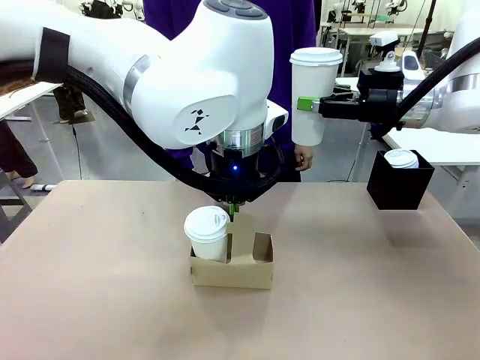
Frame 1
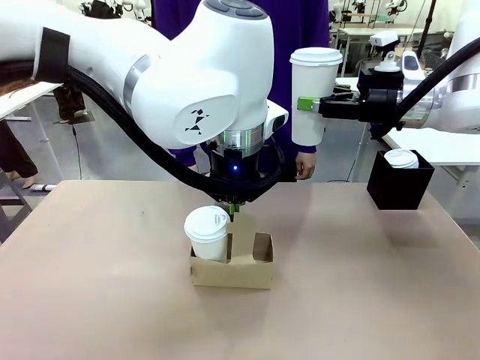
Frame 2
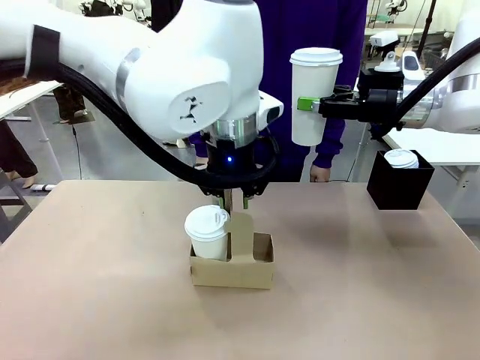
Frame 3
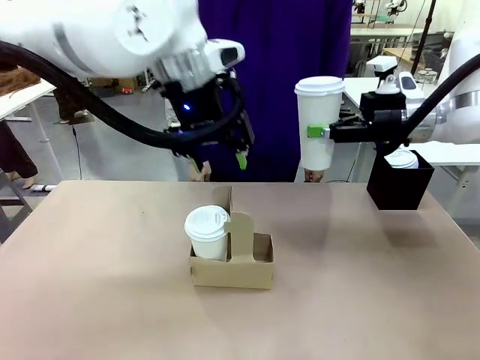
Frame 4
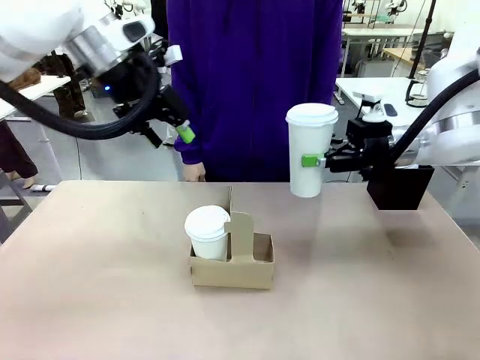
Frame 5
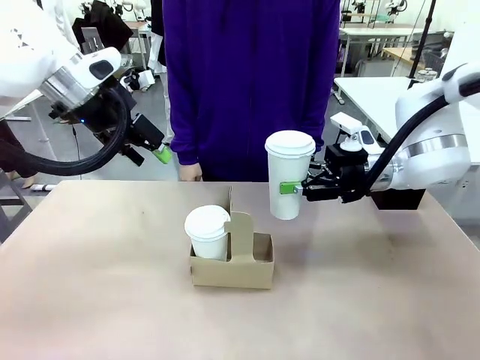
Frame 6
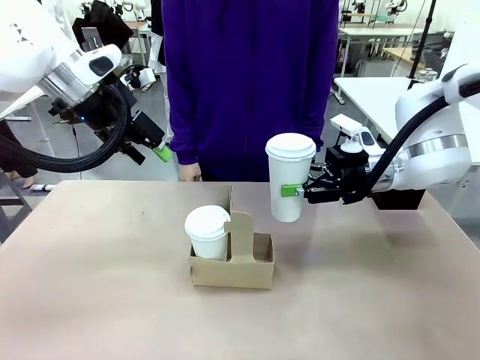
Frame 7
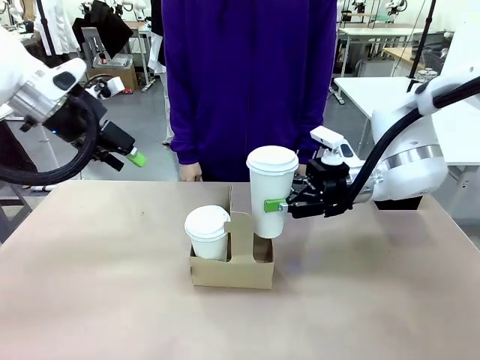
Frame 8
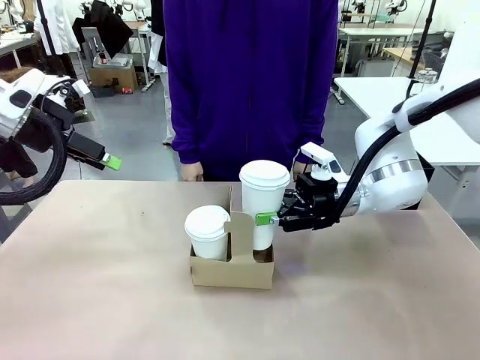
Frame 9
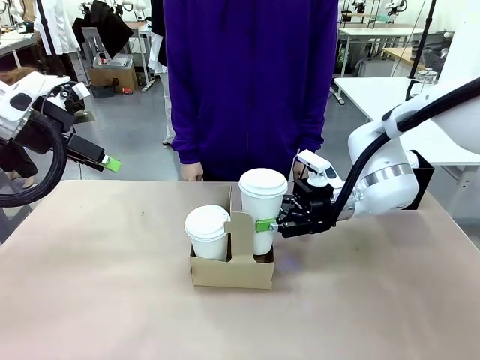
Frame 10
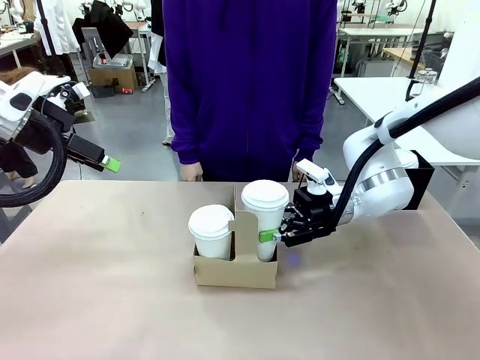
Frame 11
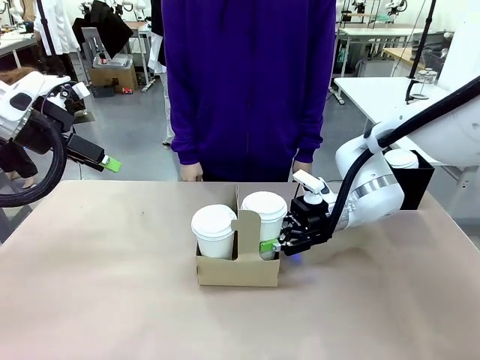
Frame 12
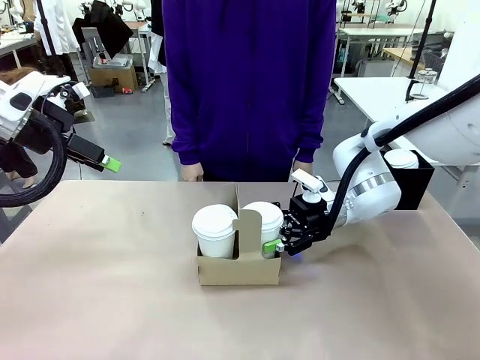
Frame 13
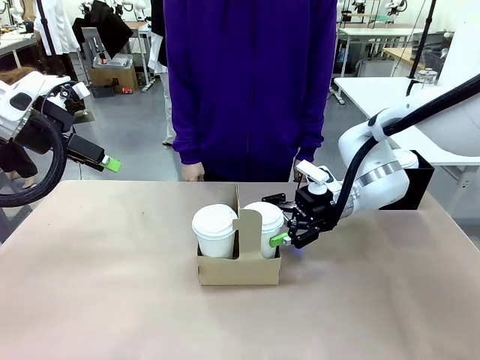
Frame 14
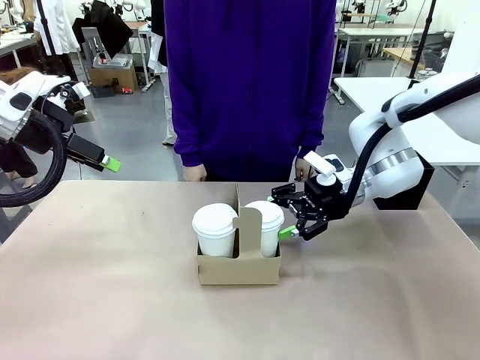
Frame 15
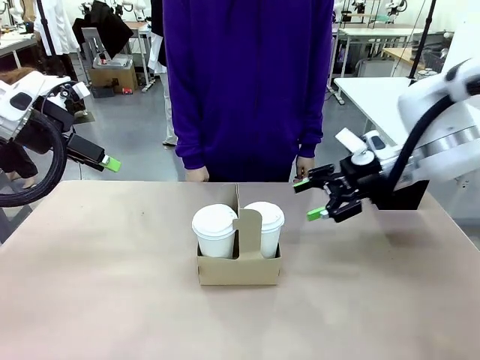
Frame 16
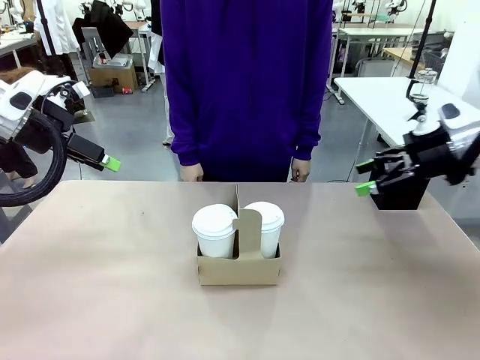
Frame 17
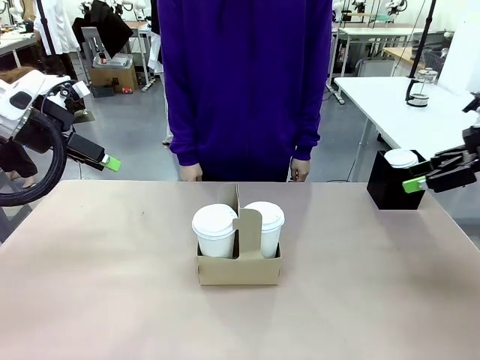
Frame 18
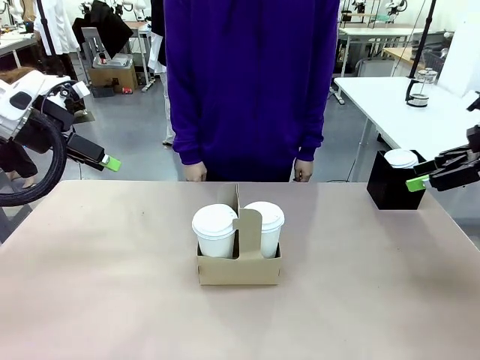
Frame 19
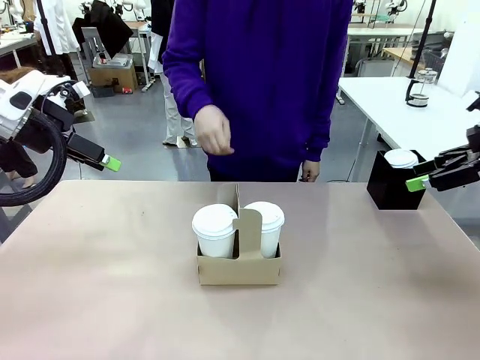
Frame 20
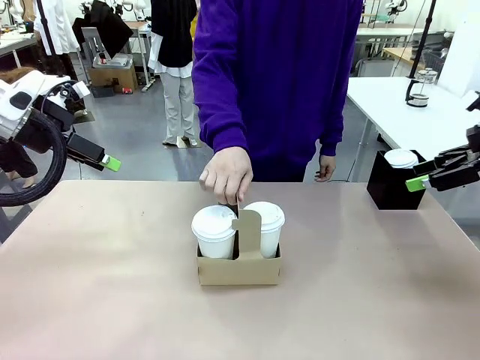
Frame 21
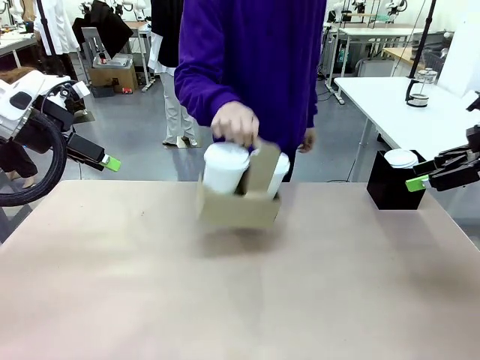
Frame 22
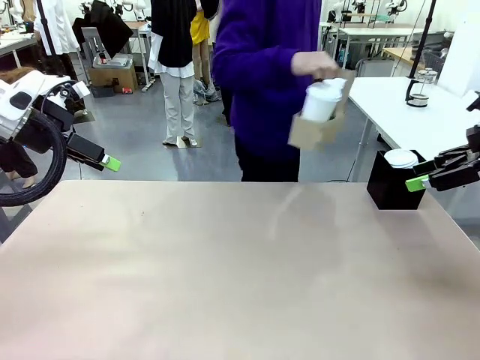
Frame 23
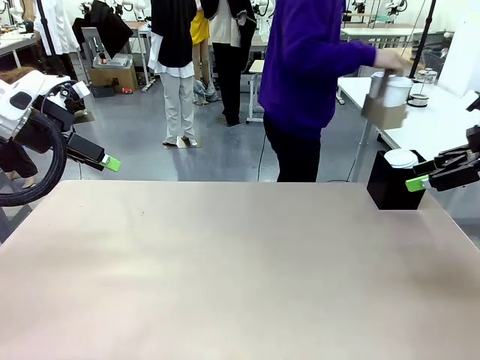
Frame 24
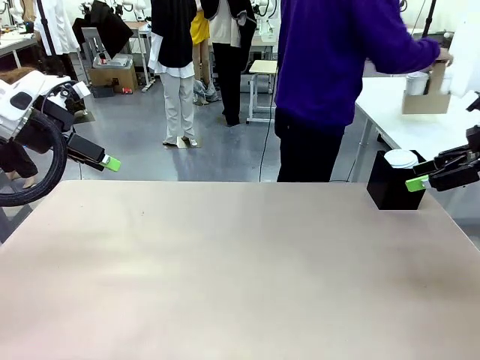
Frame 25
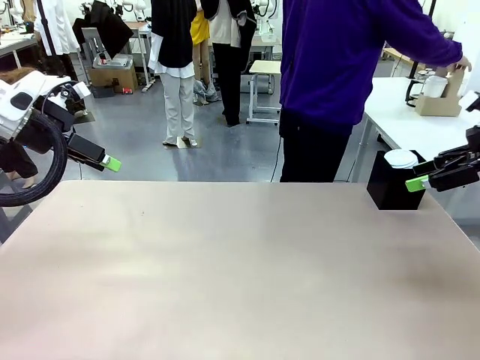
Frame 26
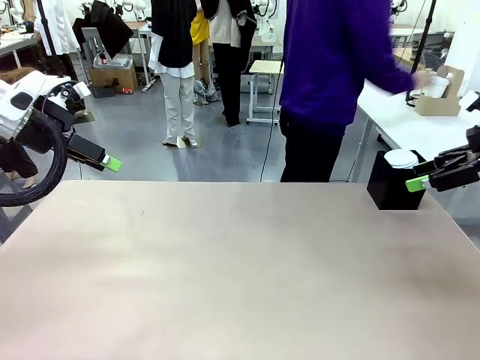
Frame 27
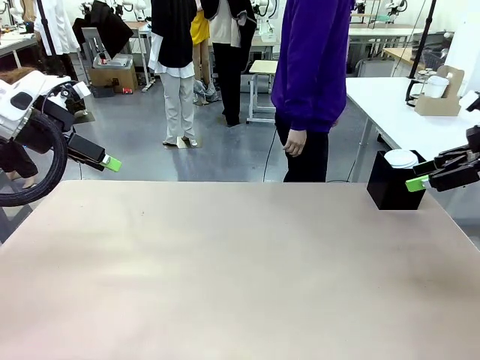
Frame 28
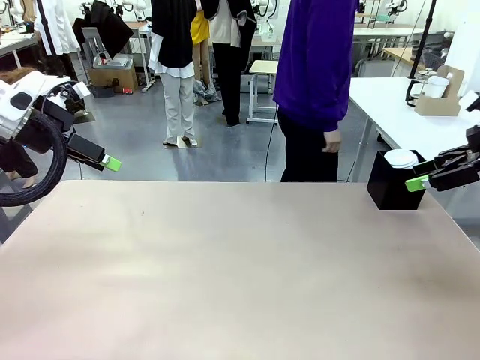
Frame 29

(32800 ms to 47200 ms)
Task: Pour a drink into a cup and package it in a carrier.
Robot: Insert the held 600 ml Paper Cup into the Cup Carrier.
Person: Place the Cup Carrier to the middle of Human table.

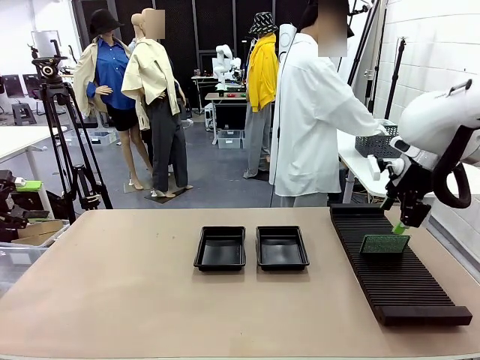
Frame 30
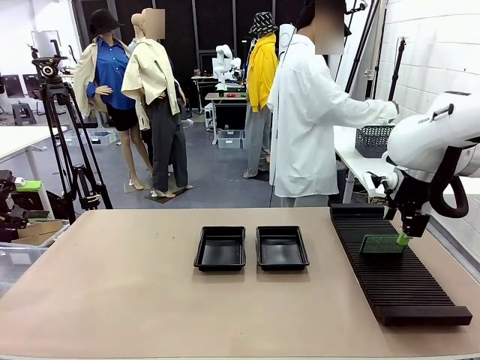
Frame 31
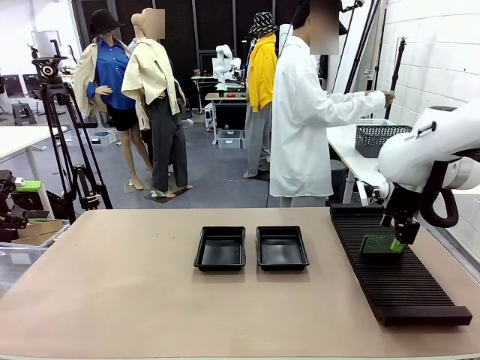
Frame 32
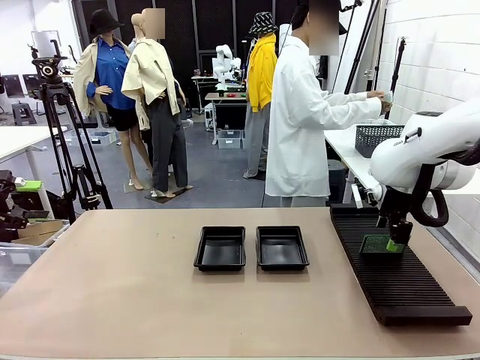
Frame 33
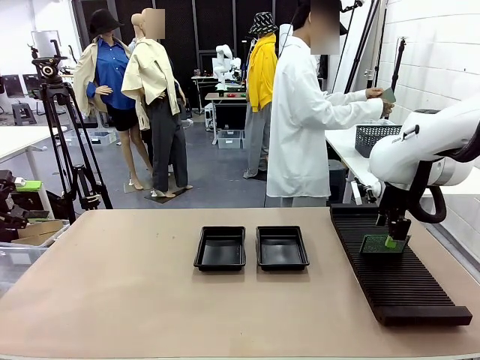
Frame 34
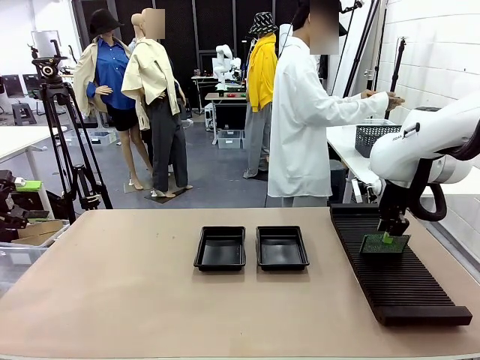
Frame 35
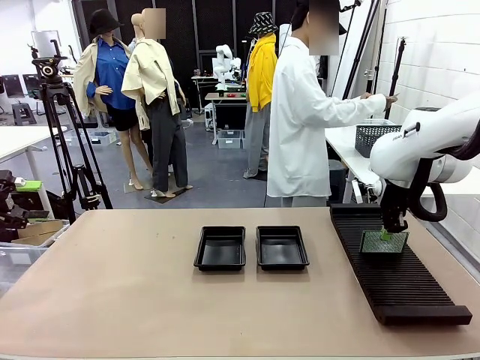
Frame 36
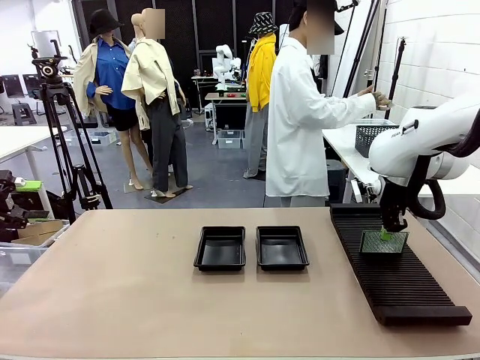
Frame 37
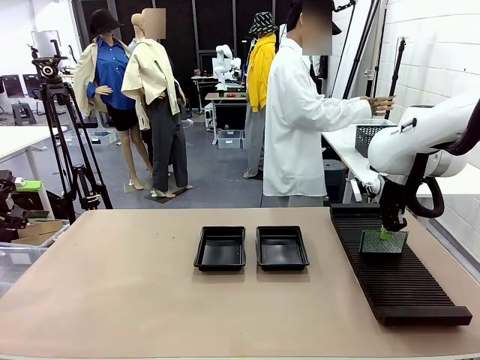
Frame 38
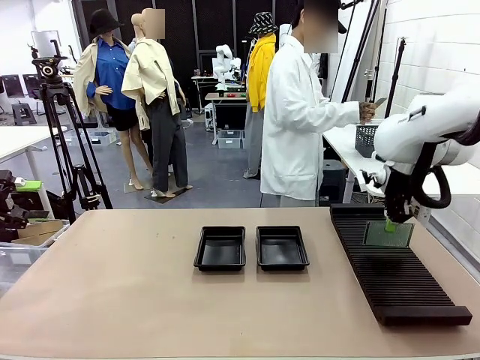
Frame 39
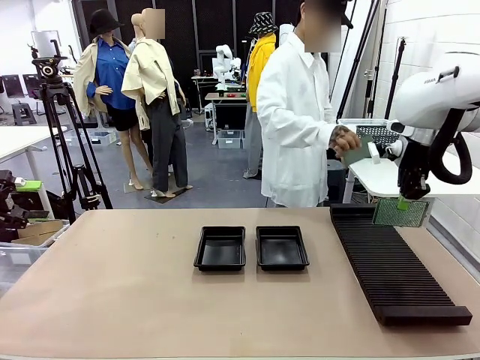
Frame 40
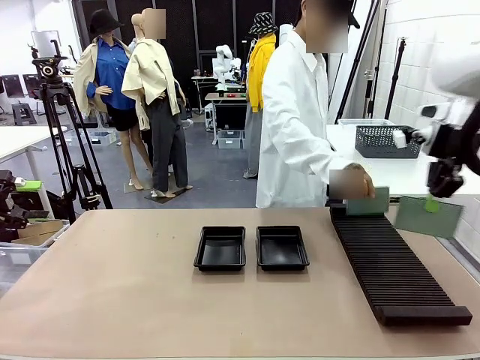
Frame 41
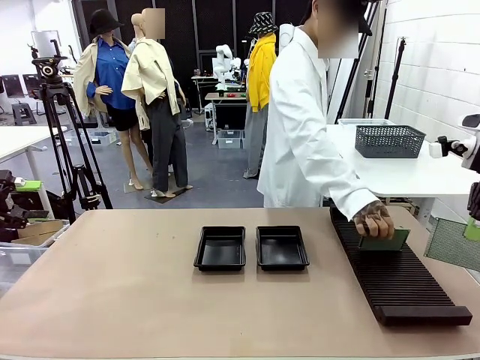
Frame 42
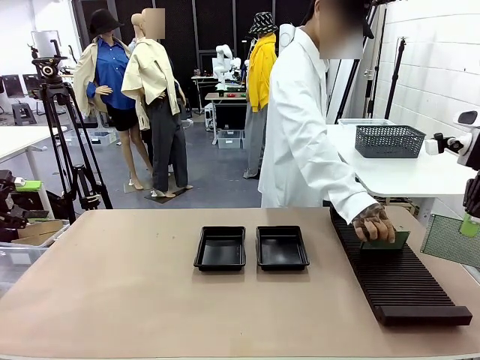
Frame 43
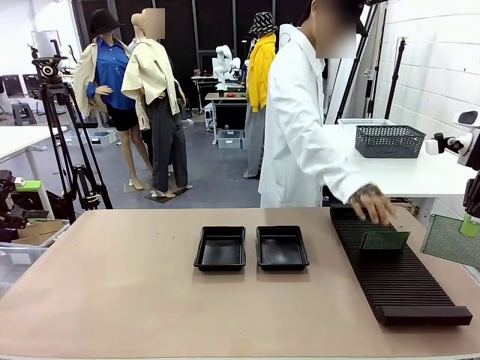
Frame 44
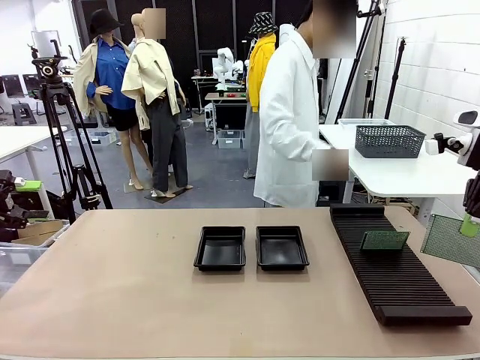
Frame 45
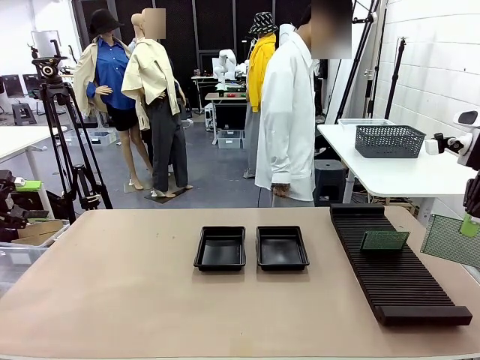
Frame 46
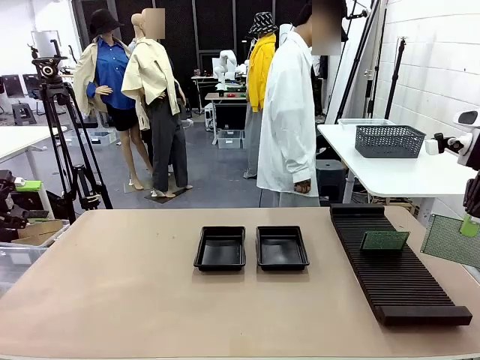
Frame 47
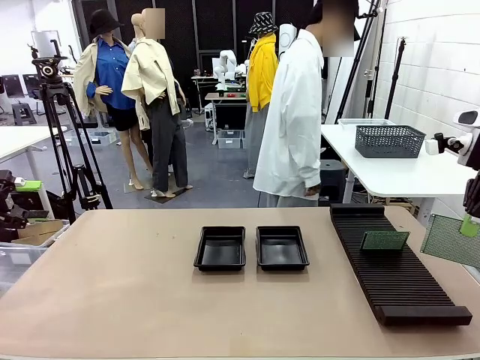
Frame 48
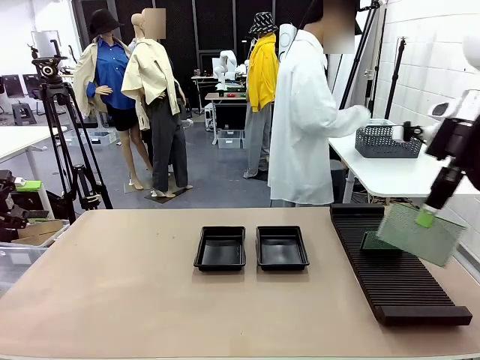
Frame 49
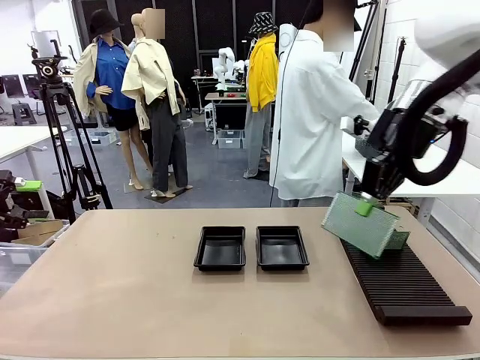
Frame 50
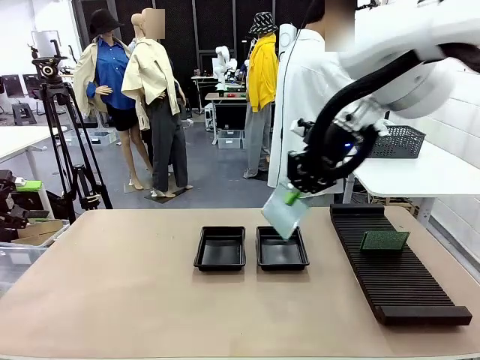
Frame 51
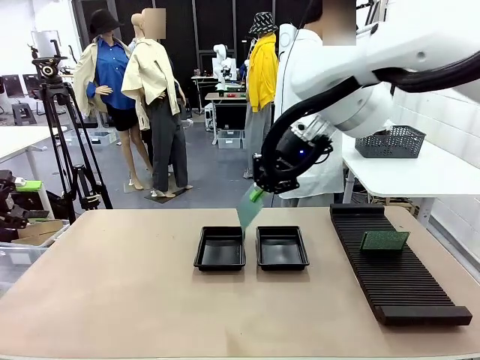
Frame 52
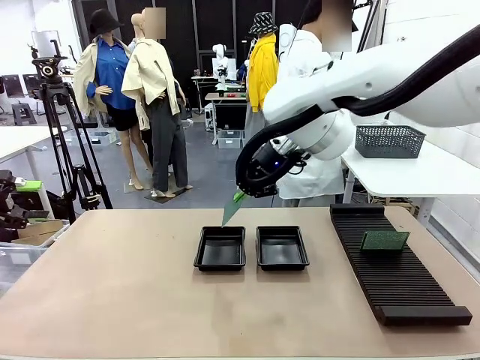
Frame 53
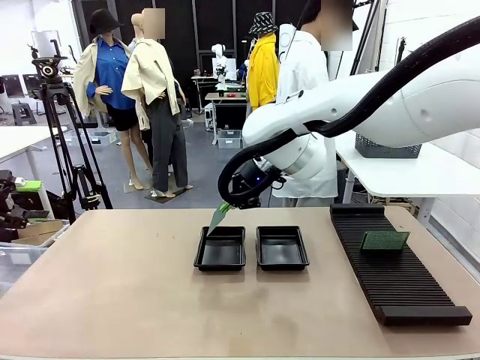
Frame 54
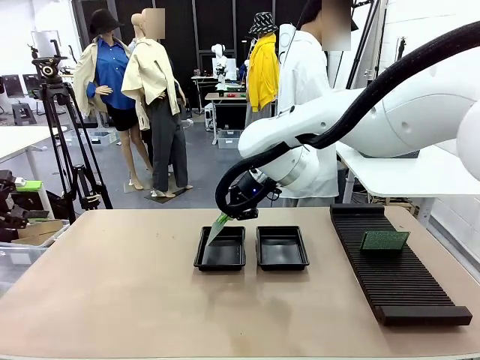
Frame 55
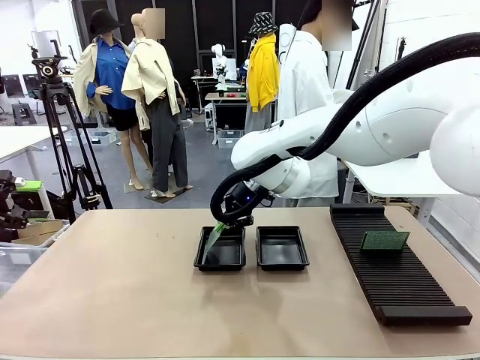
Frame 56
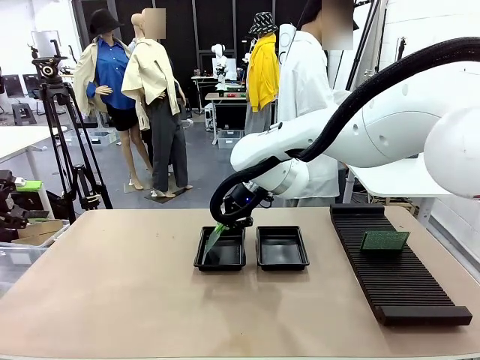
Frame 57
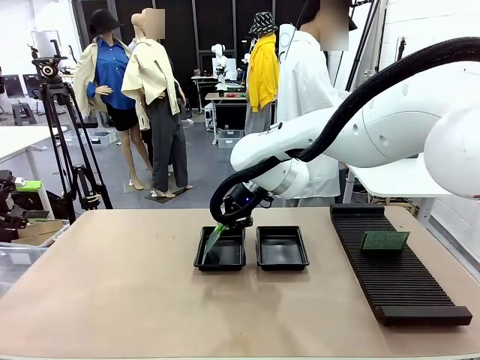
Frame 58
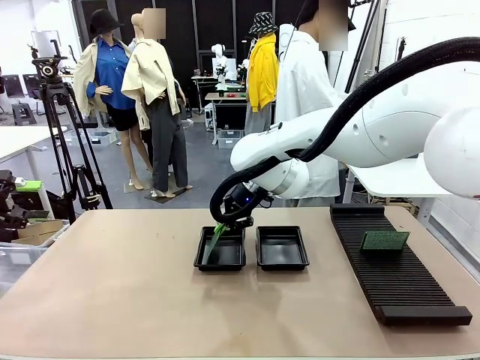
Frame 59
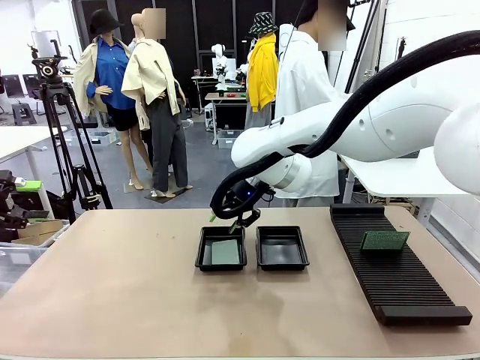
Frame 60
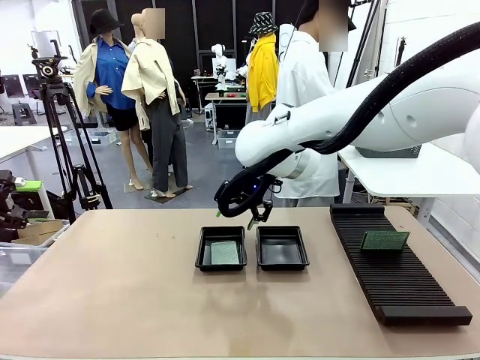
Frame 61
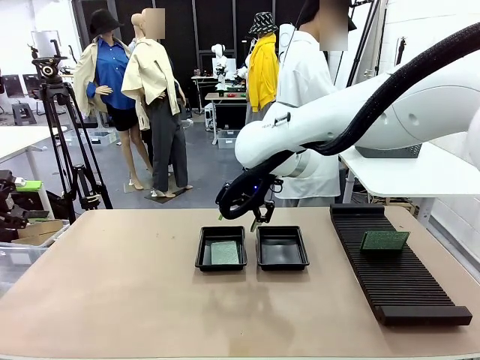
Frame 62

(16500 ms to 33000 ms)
Task: Inspect and transfer BCBs to ESD trays.
Robot: Pick up the Blank PCB from the PCB Rack and place it in the left ESD tray.
